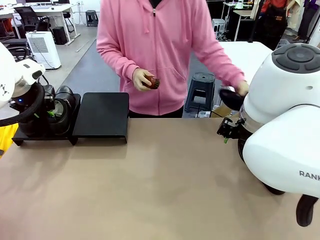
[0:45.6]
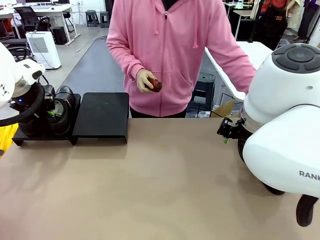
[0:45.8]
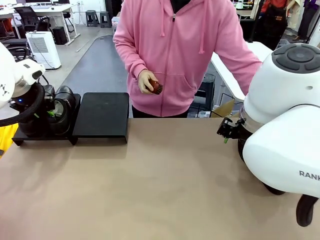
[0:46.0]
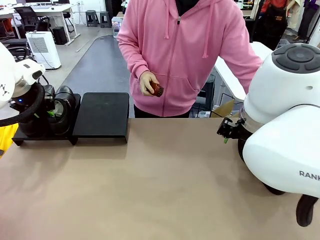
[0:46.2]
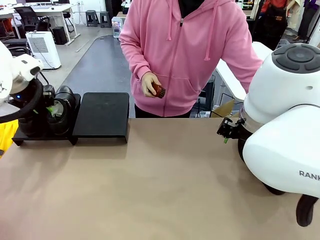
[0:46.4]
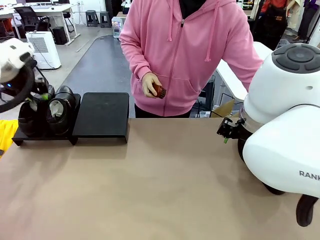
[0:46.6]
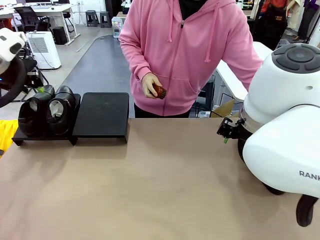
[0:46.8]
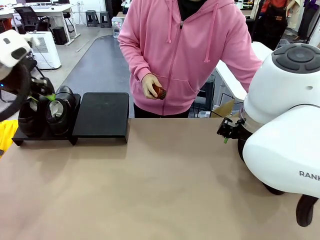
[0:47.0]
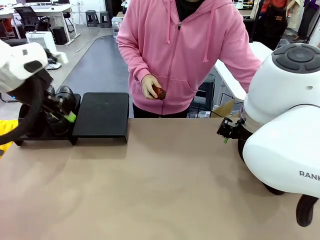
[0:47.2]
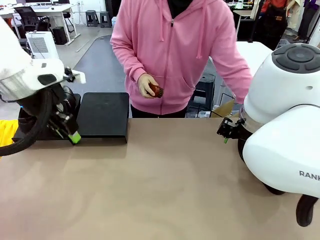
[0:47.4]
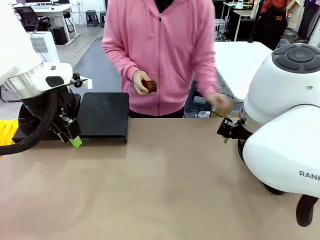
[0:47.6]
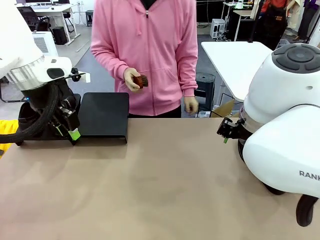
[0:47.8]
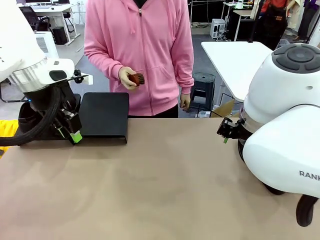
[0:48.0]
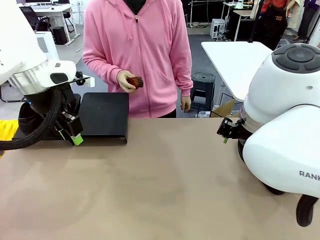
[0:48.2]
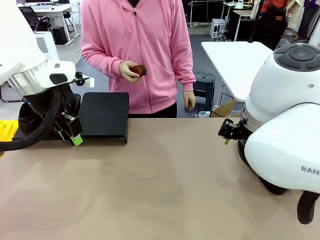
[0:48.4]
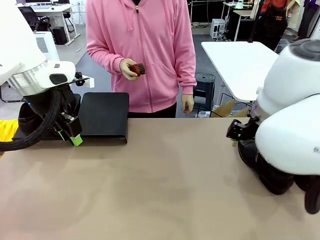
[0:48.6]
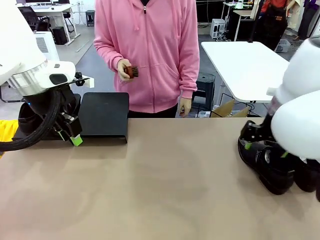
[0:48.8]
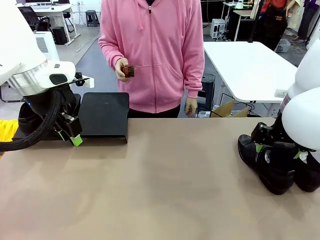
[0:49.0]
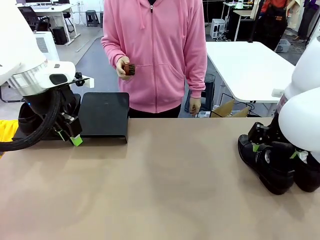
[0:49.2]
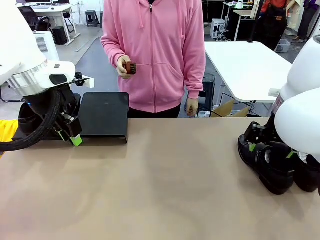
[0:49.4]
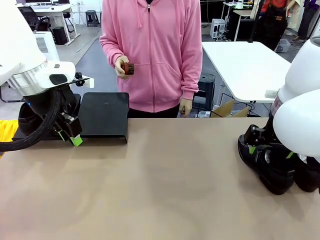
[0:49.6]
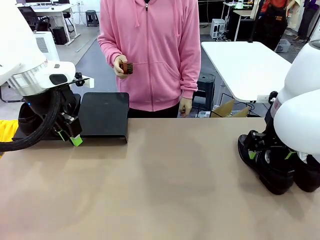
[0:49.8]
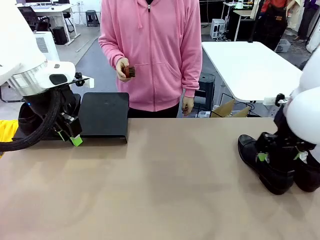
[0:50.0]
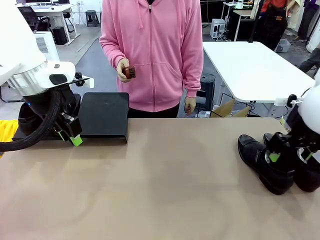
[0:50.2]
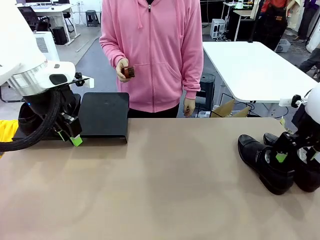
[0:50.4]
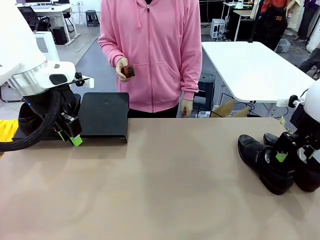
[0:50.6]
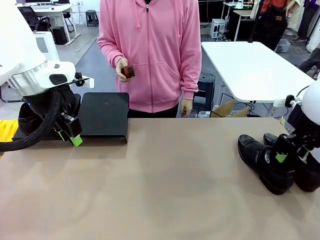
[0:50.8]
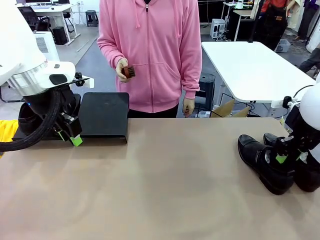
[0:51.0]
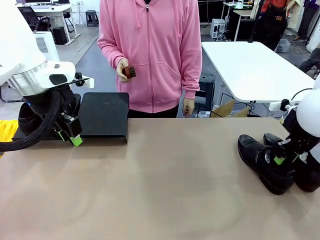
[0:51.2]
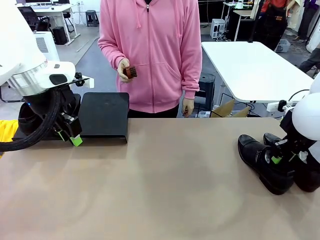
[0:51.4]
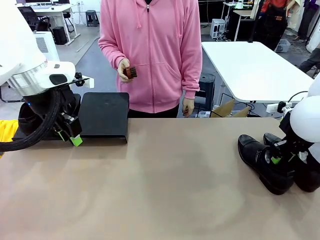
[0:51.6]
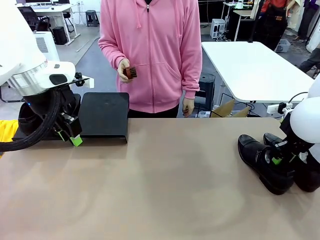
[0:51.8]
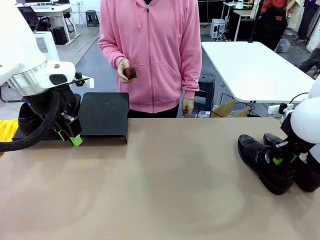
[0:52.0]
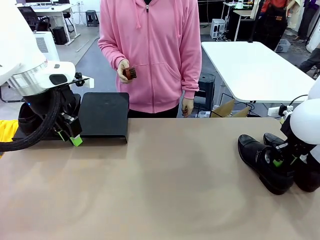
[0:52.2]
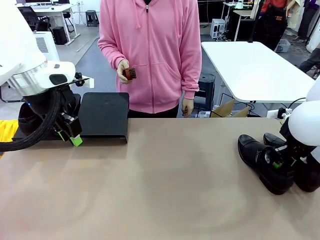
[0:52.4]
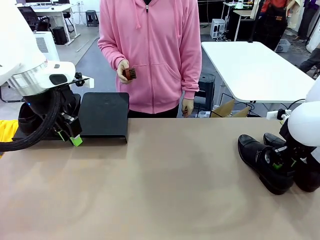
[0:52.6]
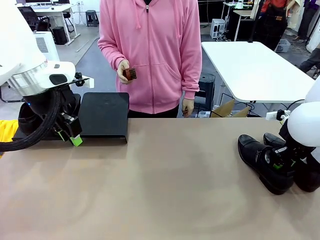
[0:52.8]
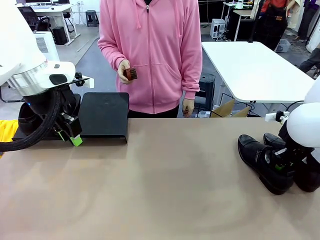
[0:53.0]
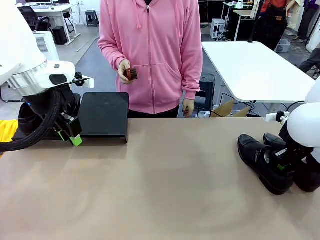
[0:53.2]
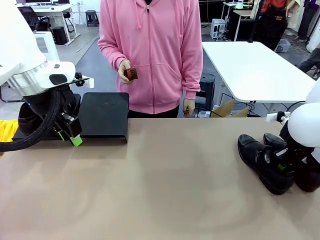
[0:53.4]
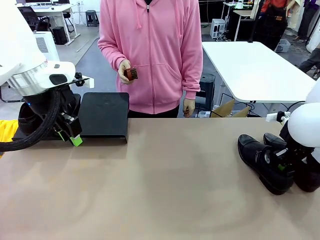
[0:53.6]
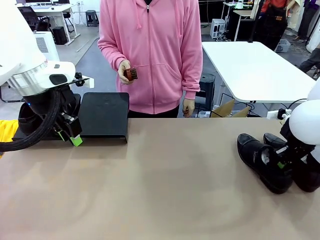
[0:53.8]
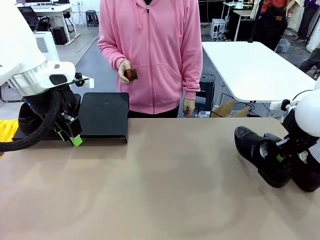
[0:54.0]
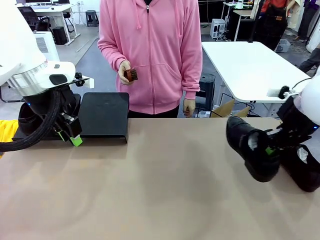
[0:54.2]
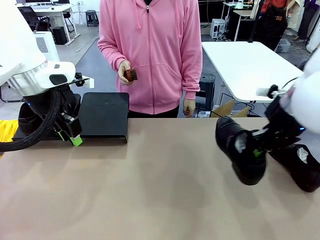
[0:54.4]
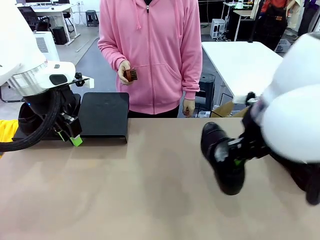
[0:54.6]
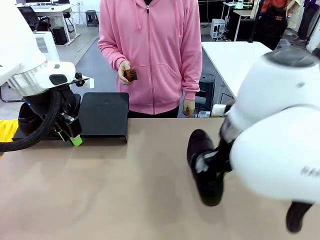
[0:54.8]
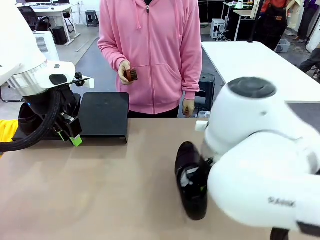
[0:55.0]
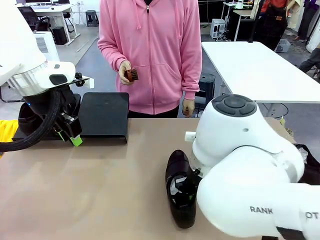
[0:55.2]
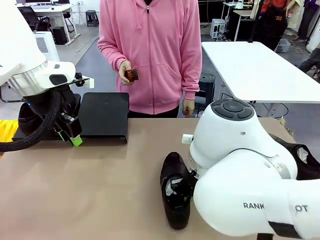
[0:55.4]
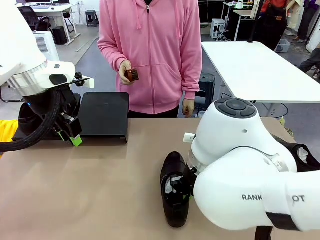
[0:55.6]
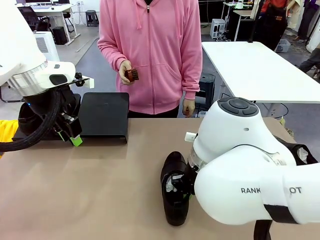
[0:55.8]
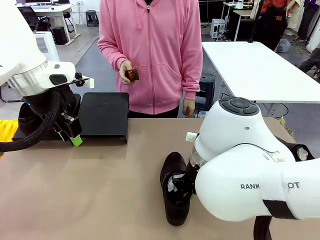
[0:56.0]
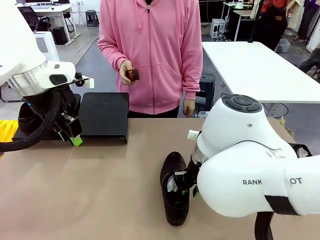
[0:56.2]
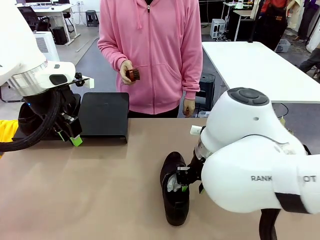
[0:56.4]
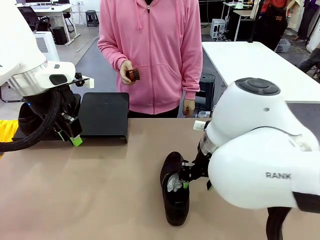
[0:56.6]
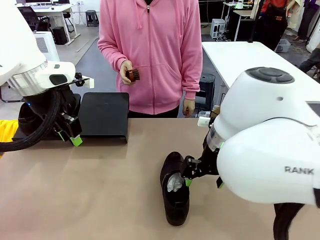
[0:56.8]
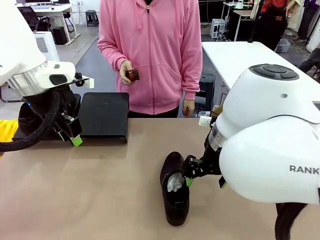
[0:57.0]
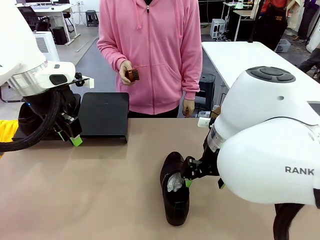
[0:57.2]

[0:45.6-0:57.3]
Task: Organize the shoes by placing them on the stand.
Robot: Pick up one Shoe and place it in the middle of the table.

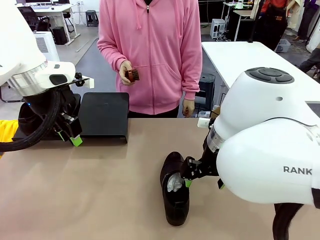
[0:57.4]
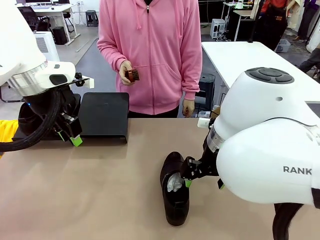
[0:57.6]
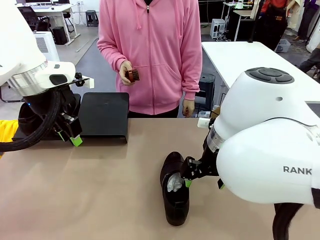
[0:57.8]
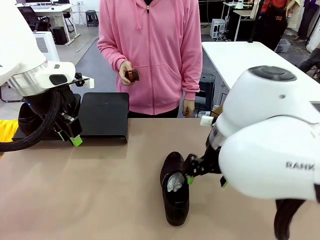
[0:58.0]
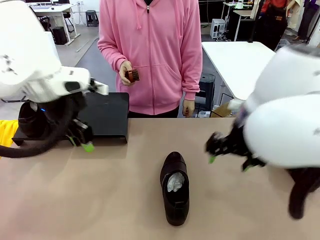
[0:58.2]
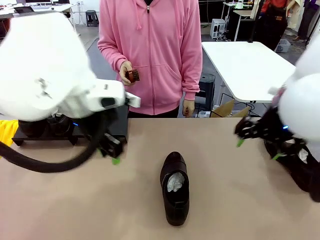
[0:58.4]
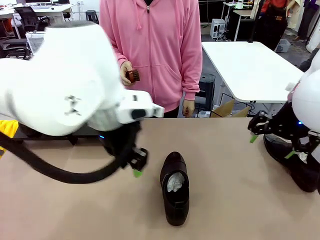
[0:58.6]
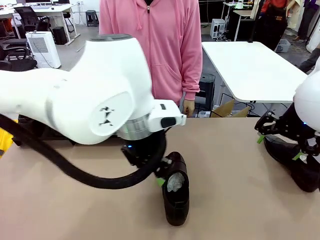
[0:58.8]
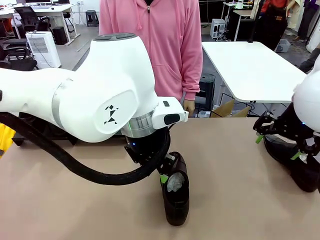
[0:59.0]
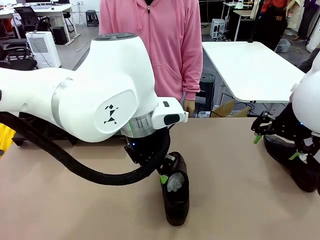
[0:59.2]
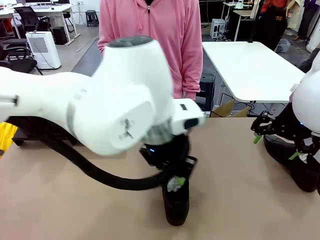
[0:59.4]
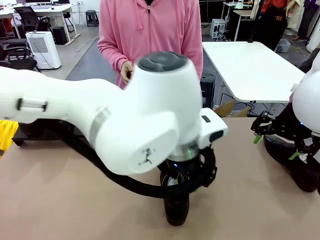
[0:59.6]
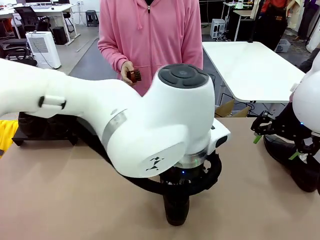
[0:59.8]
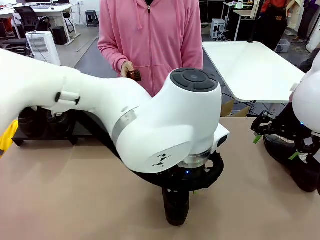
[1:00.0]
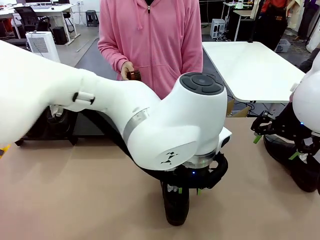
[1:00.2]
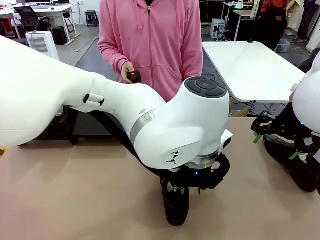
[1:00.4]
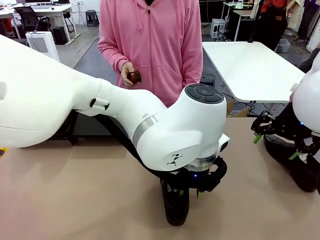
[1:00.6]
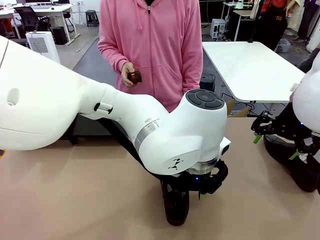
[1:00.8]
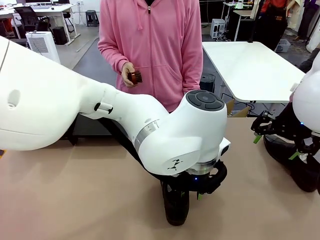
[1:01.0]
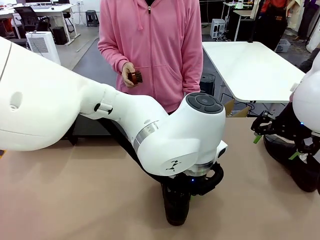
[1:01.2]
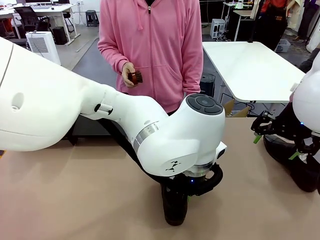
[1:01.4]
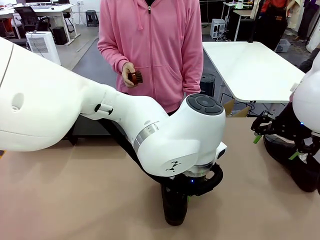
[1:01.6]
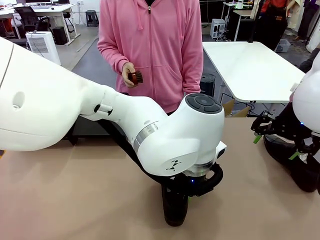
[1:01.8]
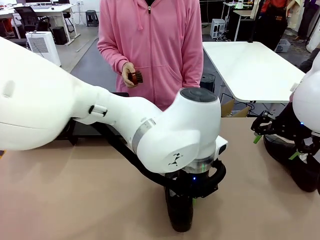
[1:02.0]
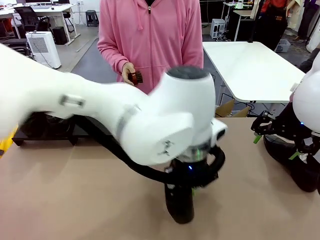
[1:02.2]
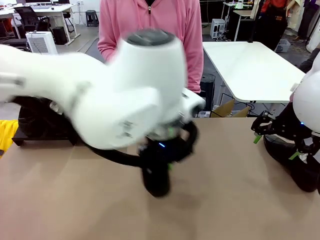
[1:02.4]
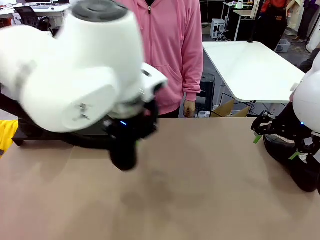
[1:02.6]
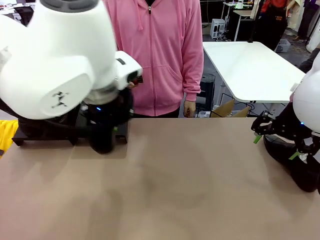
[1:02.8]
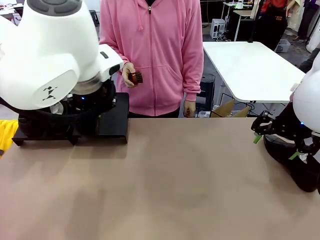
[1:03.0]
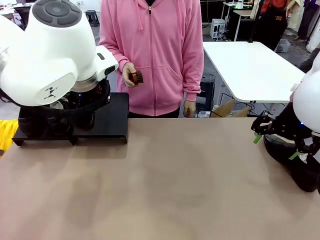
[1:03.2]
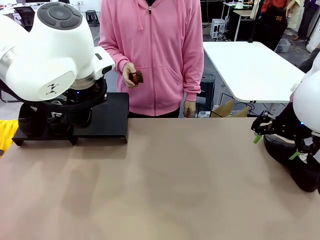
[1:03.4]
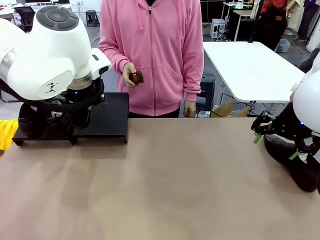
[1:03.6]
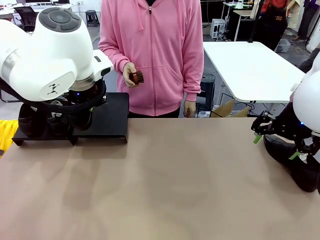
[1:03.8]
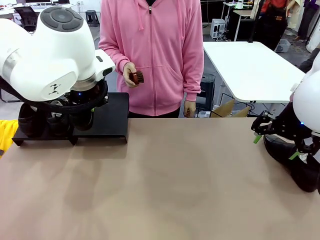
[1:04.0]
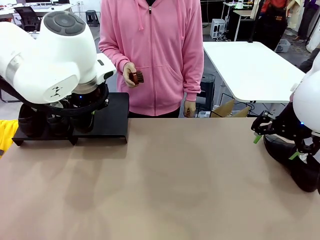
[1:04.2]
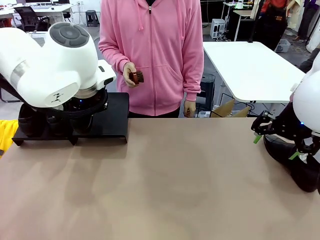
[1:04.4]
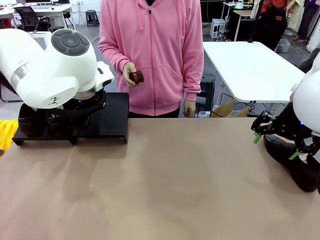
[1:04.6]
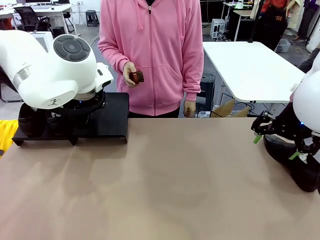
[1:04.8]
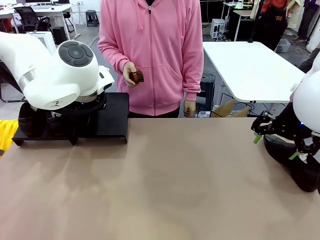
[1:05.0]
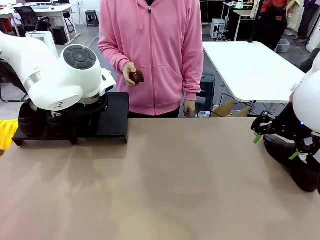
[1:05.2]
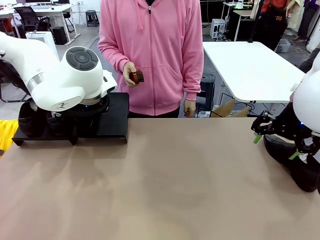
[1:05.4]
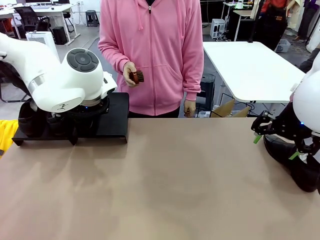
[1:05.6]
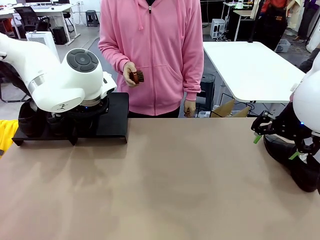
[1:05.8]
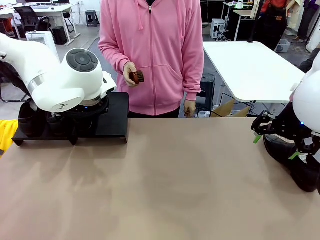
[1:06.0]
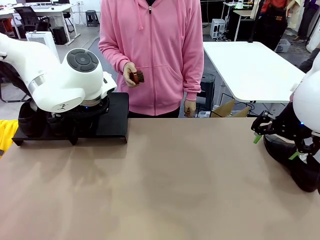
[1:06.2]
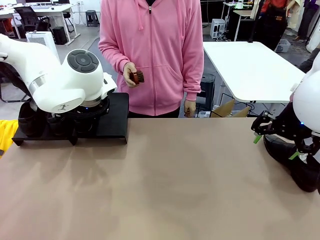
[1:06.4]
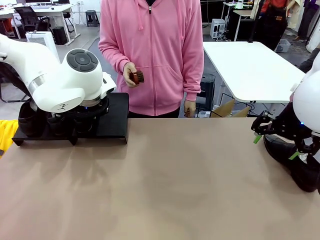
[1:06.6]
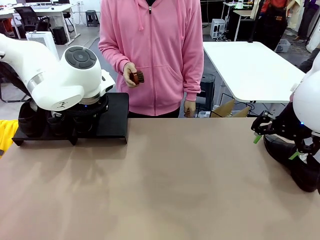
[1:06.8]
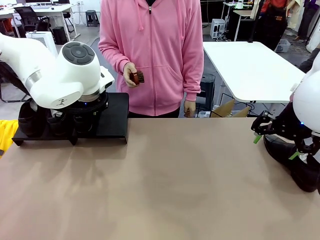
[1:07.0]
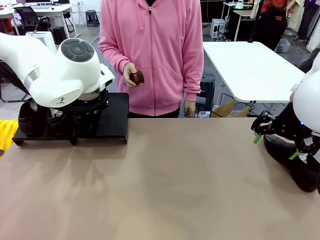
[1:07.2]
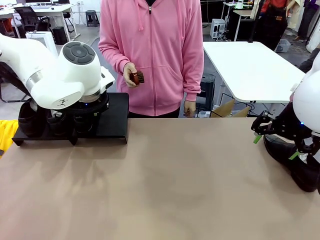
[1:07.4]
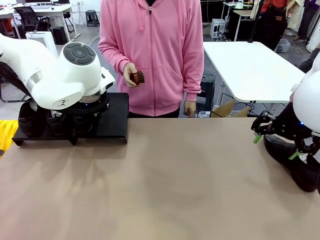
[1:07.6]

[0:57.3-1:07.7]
Robot: Place the Shoe from the middle of the table onto the Shoes Stand.
